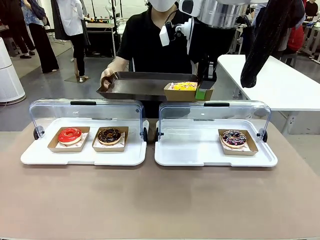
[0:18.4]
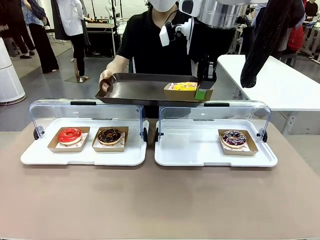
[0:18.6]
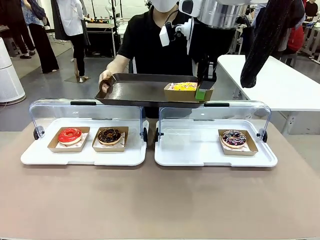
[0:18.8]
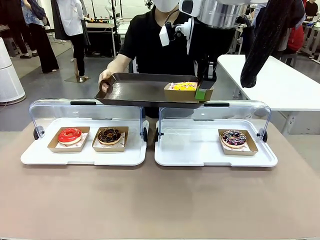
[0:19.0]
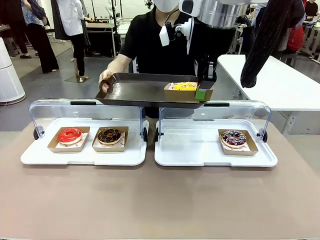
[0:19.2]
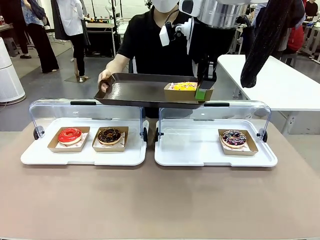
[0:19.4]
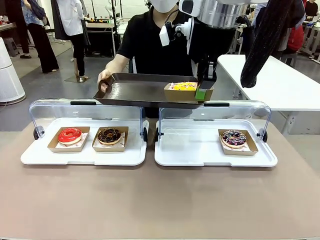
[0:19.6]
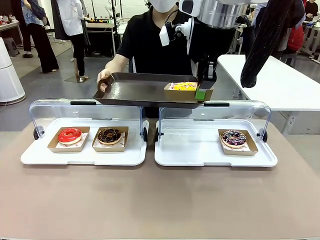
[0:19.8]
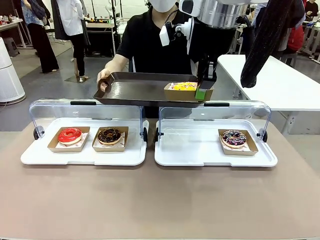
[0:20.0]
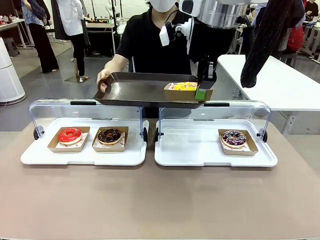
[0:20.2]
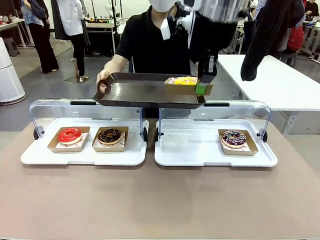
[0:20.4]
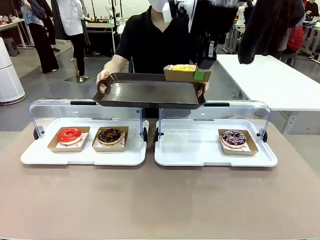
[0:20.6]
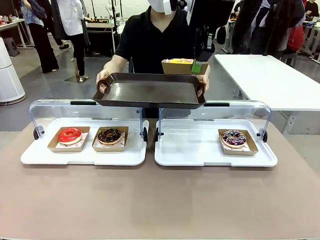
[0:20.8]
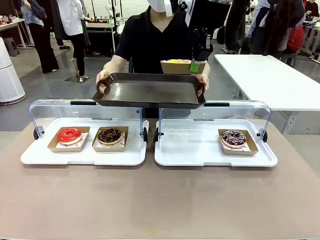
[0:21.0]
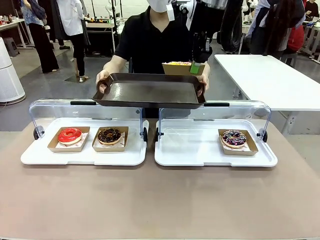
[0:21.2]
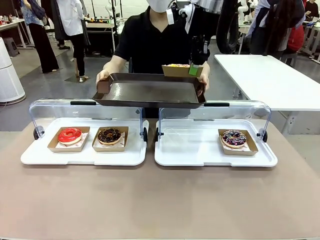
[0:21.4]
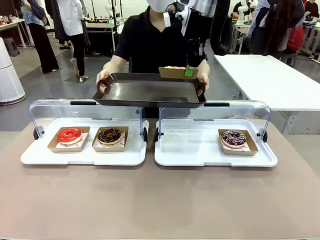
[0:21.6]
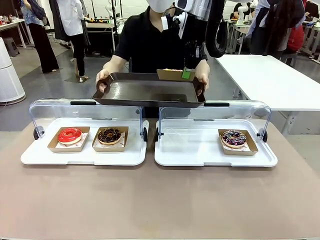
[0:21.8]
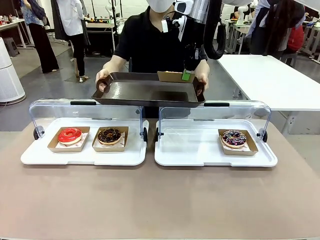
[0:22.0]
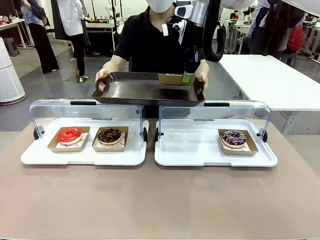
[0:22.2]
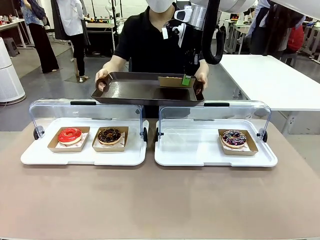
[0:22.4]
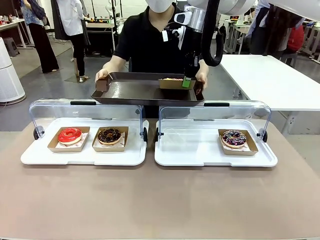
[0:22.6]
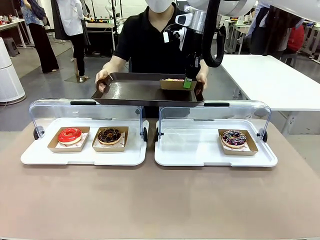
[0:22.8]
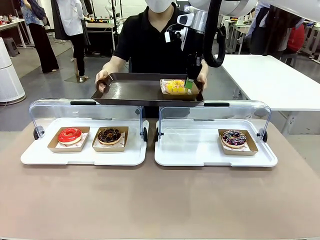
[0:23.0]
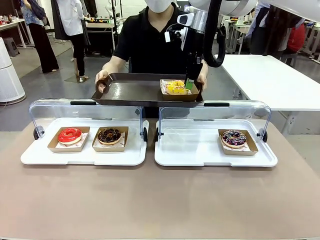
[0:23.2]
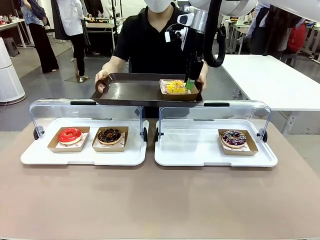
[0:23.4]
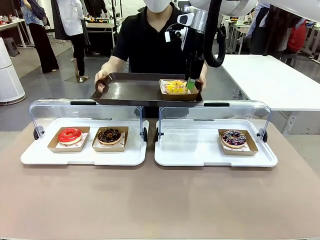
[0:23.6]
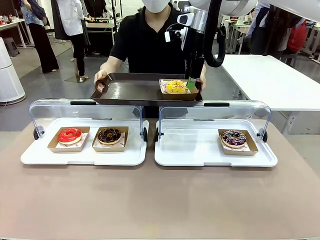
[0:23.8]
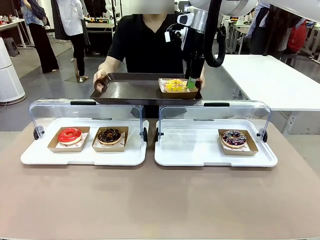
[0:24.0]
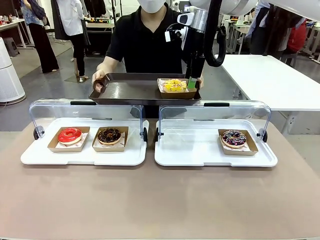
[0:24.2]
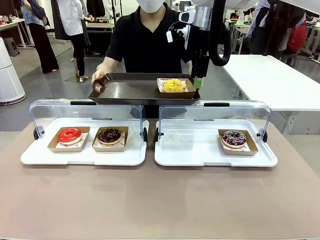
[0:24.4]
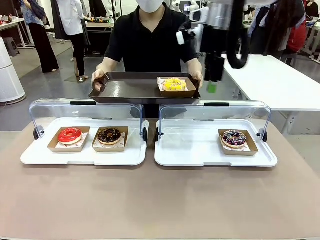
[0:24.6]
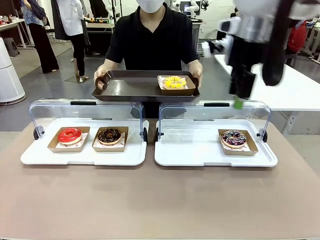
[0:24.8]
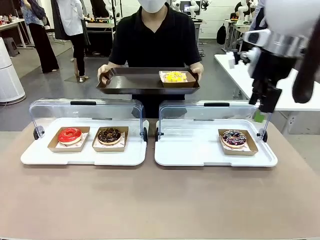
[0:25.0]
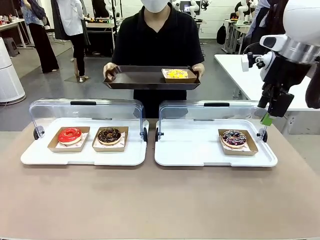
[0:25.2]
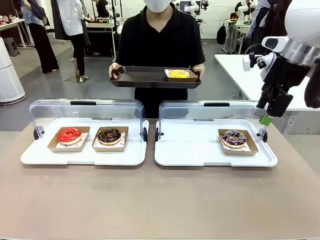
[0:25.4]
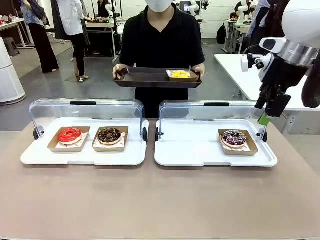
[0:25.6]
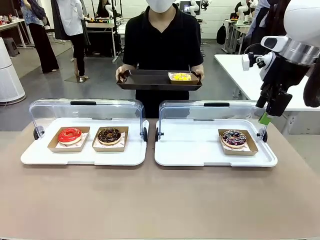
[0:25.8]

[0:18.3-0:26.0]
Task: Provide the desired donut to the person.
Robot: Place the picked Paper togo box onto the Handle tray extended by the person.

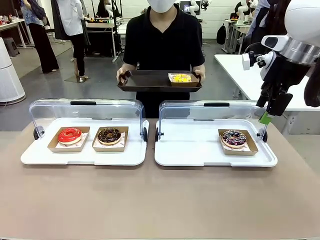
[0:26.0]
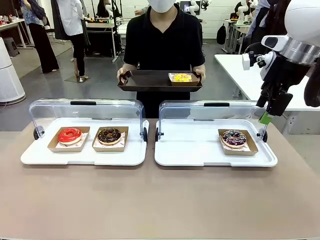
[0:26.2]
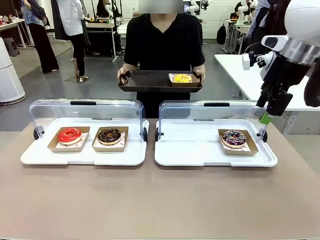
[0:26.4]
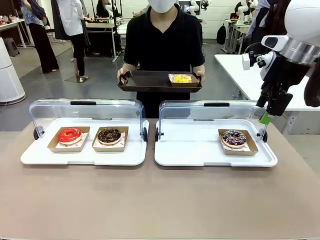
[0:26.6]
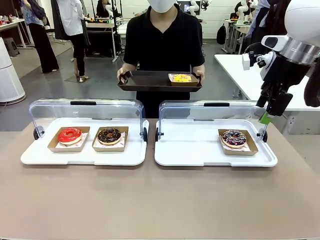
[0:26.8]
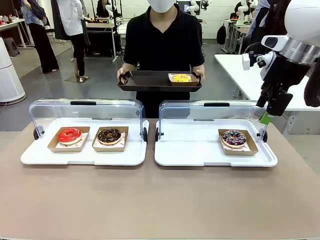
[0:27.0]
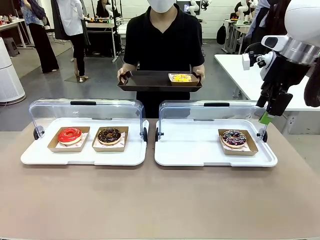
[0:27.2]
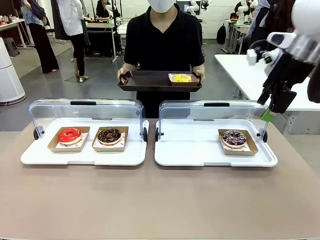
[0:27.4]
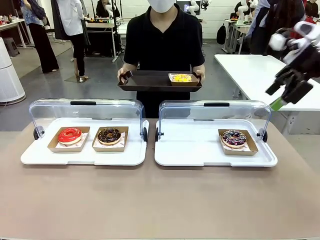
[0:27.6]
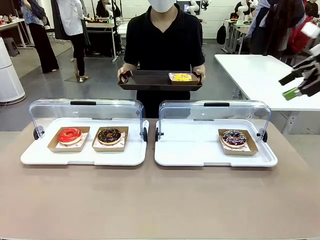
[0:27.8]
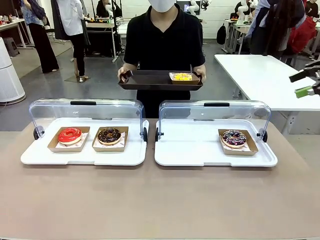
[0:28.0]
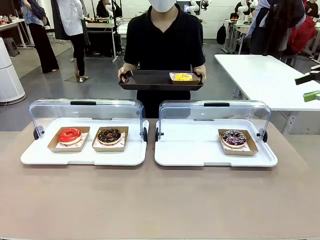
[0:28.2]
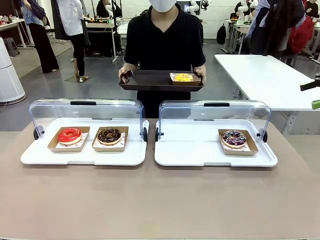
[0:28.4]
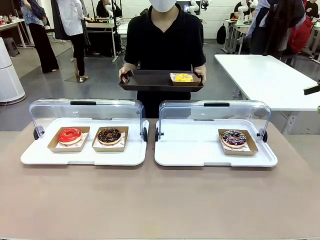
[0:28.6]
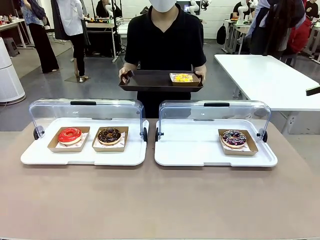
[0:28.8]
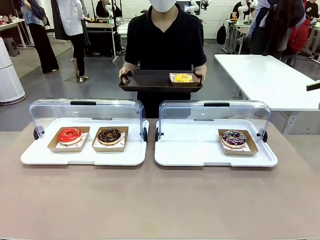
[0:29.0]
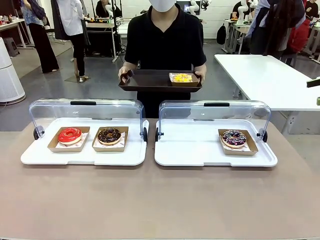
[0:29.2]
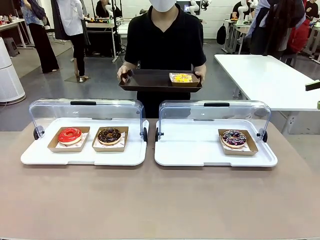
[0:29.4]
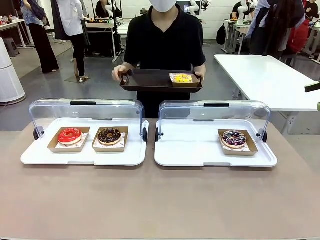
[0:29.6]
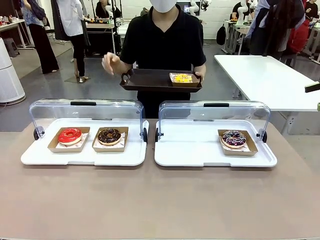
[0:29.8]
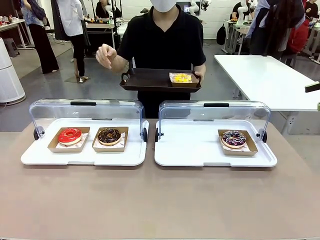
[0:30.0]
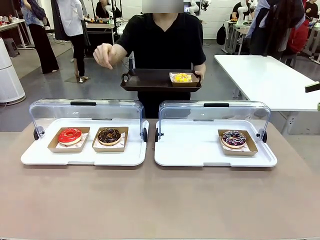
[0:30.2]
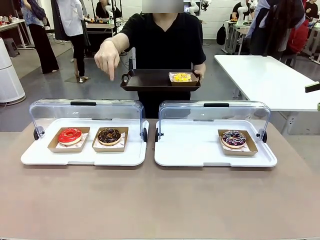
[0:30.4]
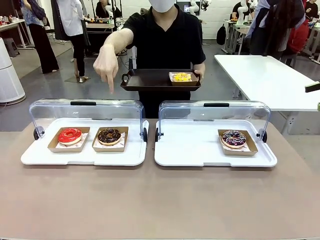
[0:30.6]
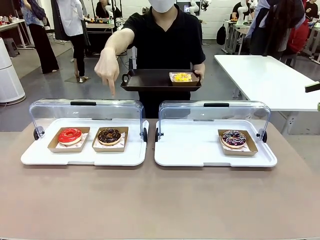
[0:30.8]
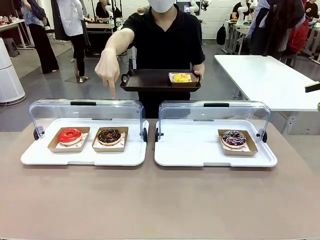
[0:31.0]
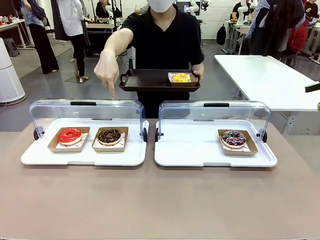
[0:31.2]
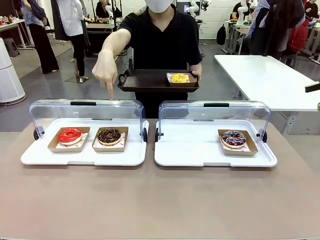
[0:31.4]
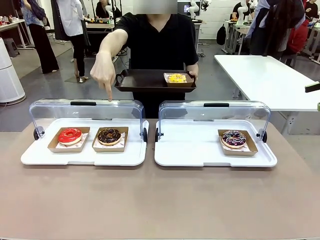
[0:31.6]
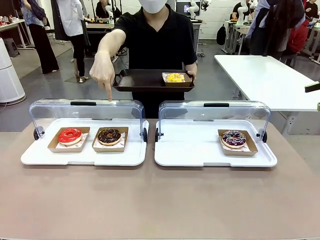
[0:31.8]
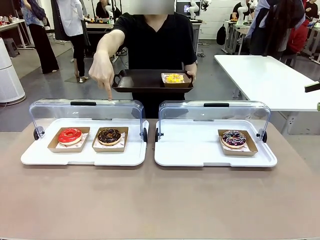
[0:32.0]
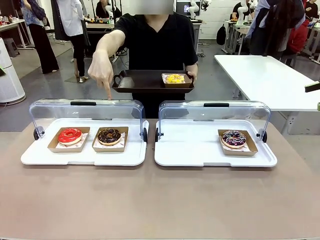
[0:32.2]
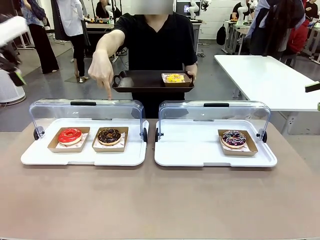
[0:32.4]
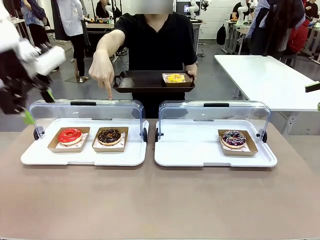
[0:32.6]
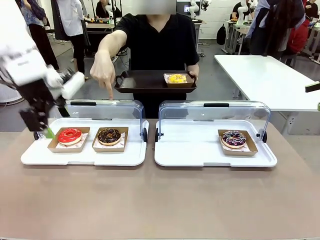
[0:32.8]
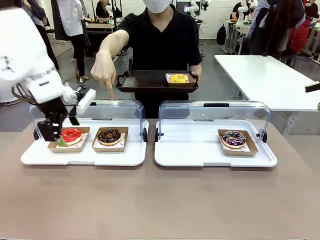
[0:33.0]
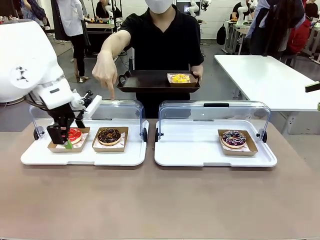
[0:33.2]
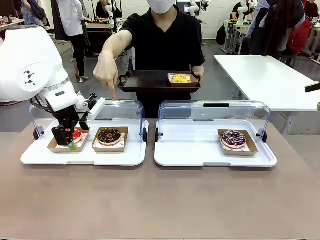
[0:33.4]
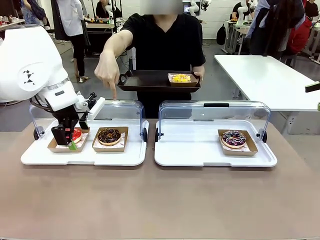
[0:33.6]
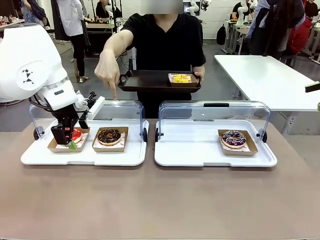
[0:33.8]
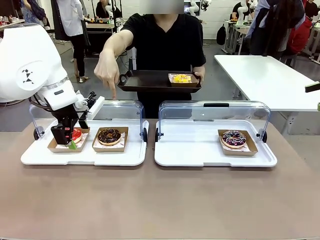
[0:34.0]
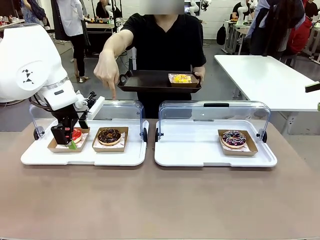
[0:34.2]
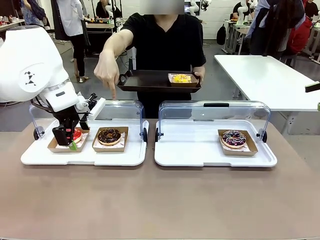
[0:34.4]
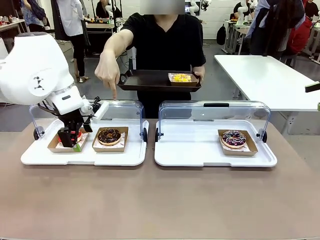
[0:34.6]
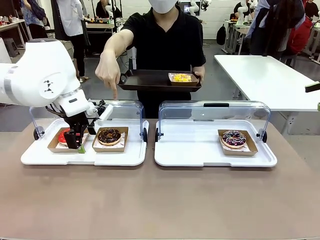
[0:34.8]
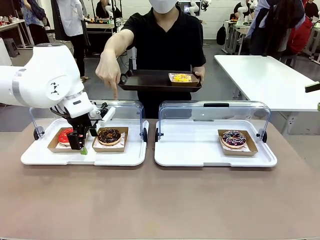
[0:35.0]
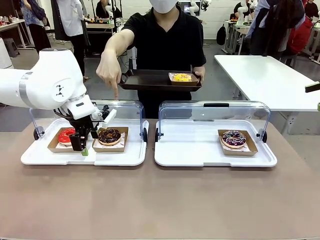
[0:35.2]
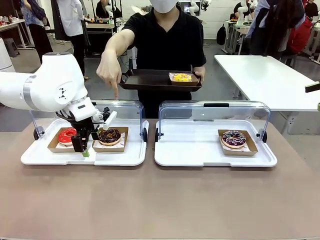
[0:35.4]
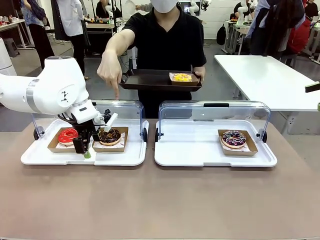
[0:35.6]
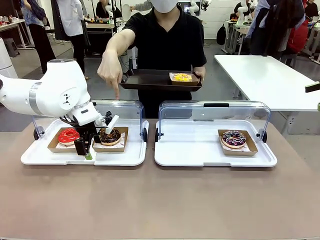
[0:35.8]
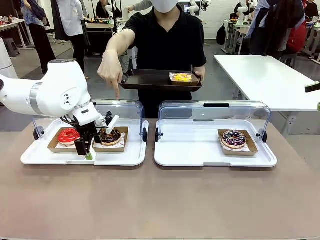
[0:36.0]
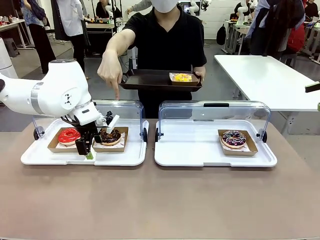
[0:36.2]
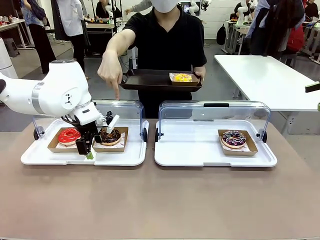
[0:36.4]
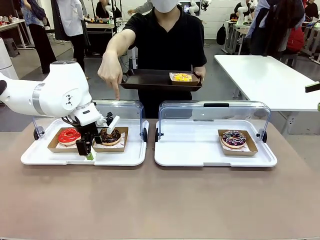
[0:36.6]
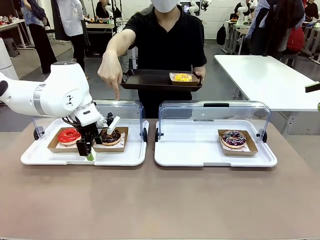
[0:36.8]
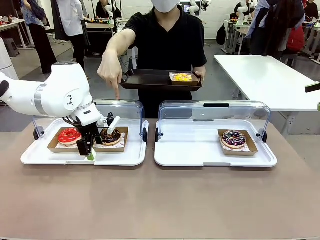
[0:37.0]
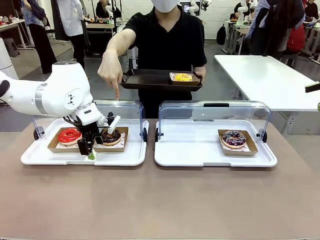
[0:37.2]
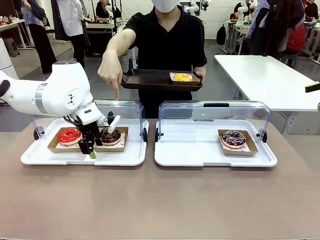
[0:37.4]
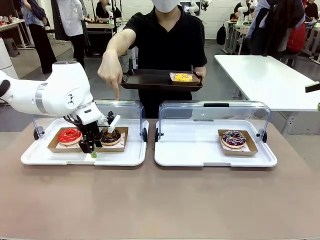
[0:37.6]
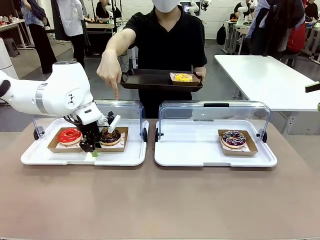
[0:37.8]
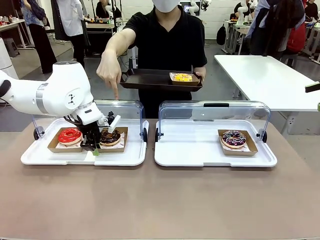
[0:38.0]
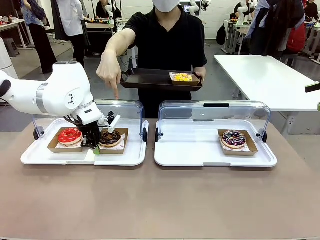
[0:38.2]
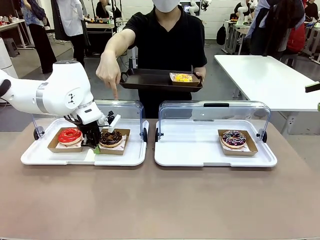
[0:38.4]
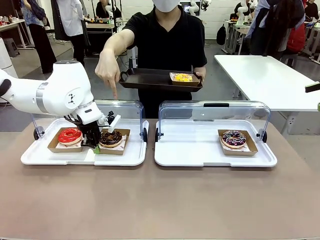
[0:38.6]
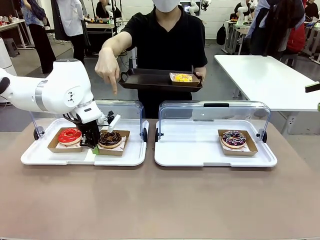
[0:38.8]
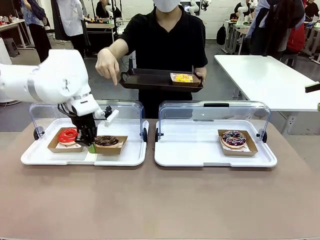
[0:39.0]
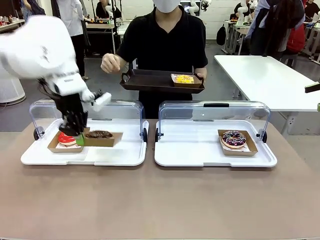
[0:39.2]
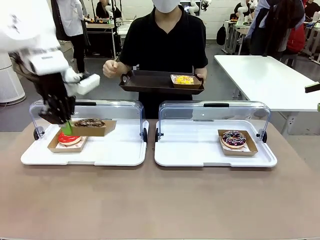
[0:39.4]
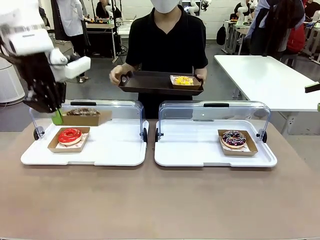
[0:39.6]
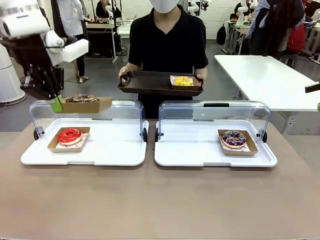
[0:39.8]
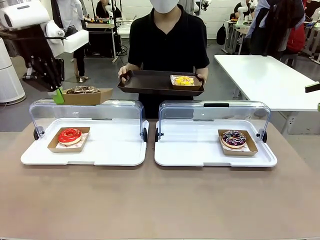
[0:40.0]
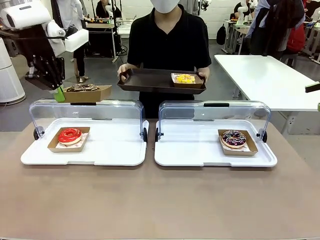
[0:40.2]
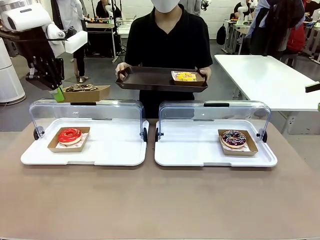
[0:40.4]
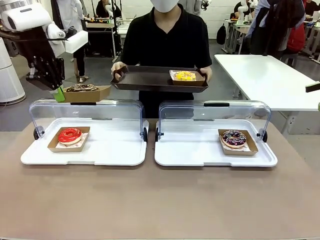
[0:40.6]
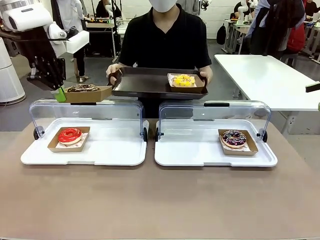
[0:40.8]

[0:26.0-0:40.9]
Robot: Pick up and lift the Paper togo box containing the Donut pointed at by the person.
Person: Point to one donut. Lift the tray onto the Roll-Top Bakery Case.
